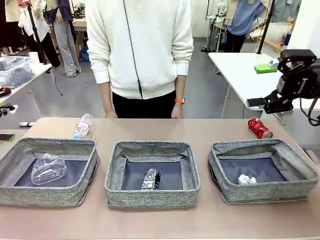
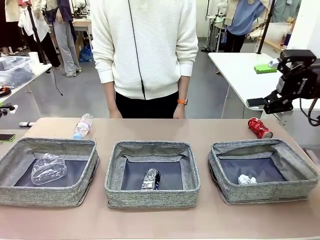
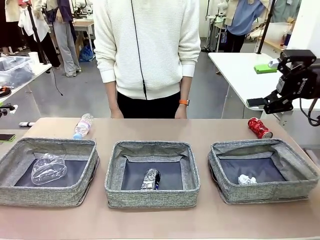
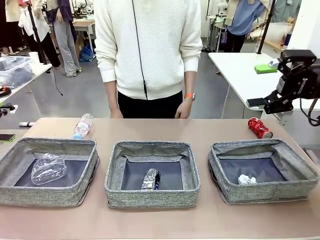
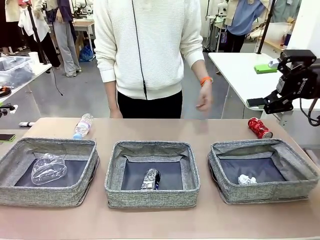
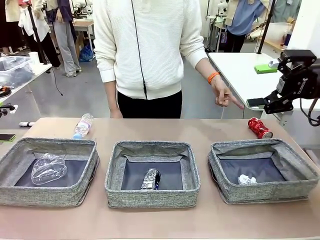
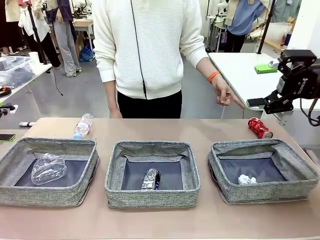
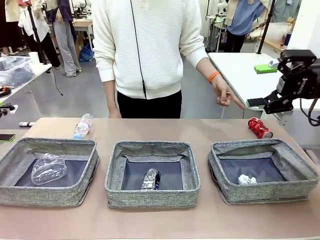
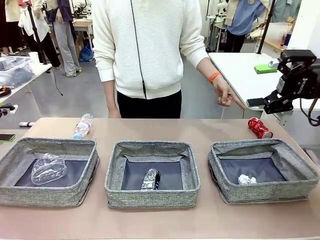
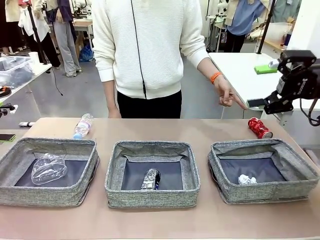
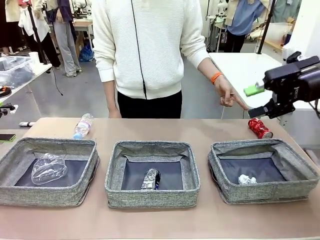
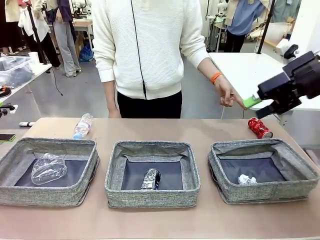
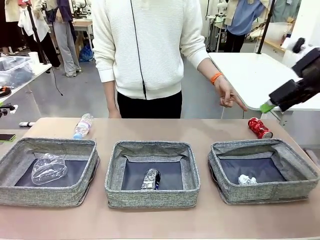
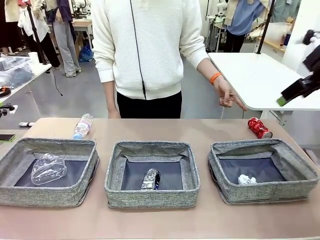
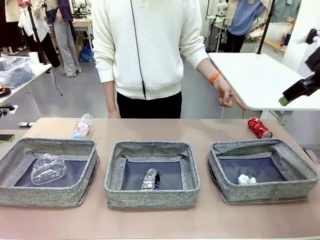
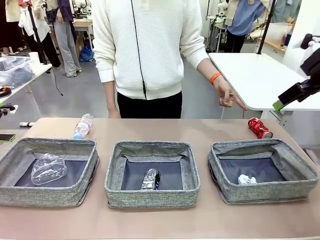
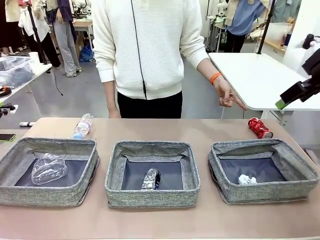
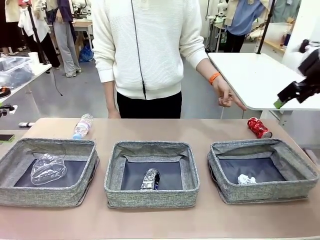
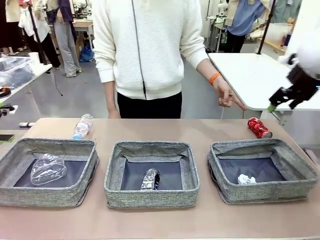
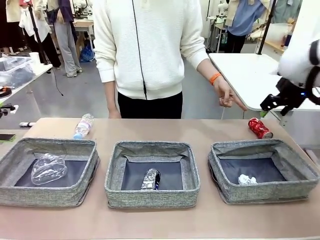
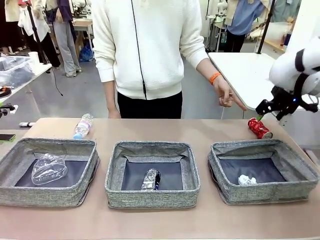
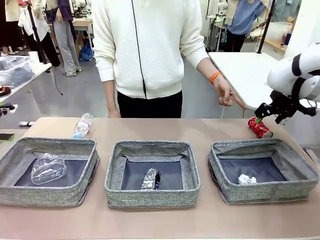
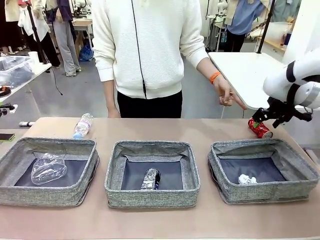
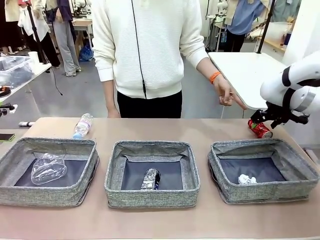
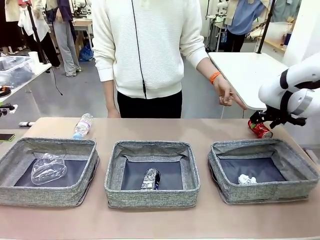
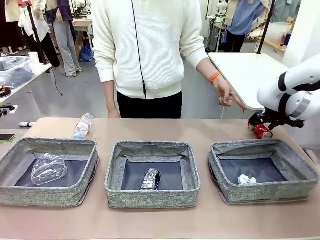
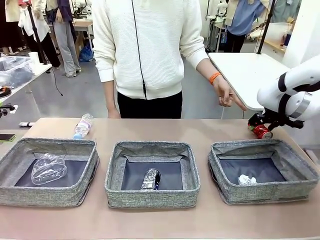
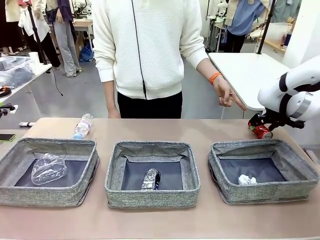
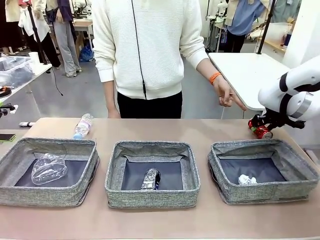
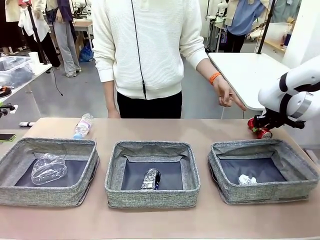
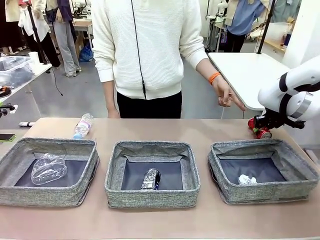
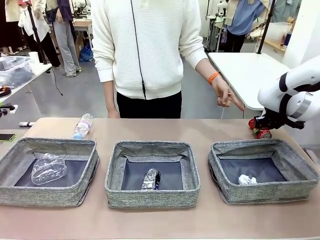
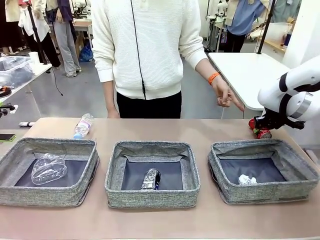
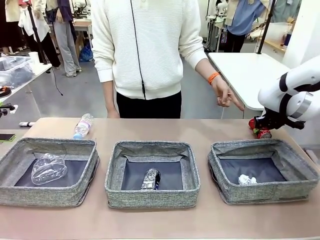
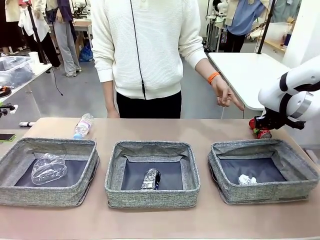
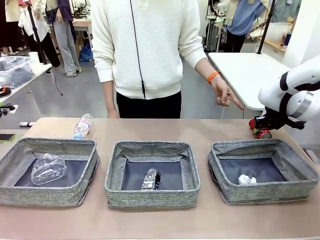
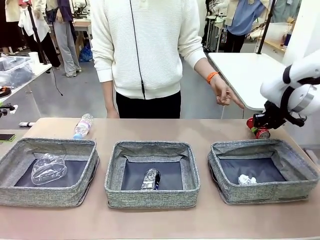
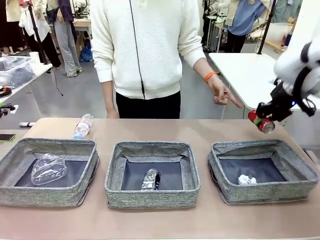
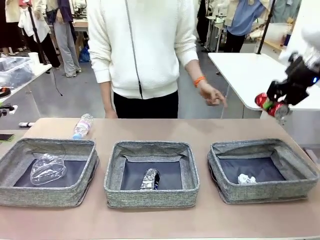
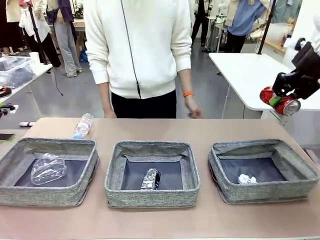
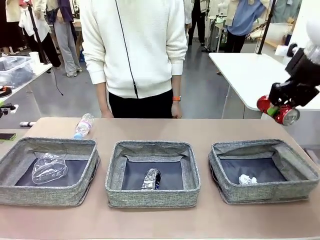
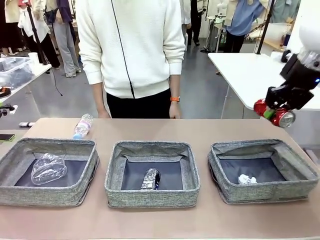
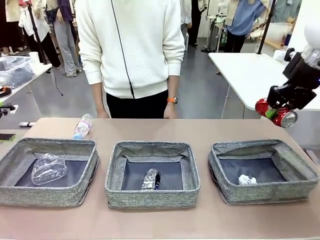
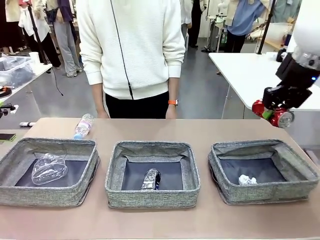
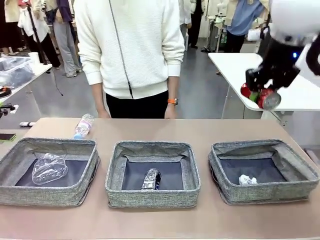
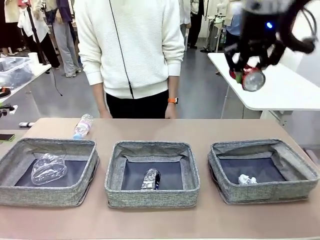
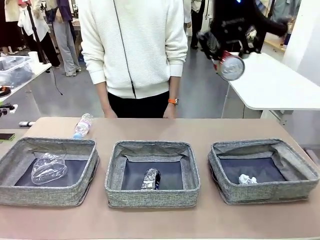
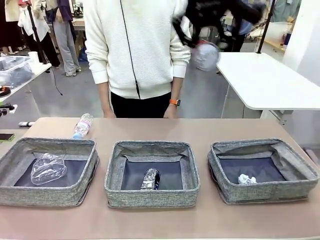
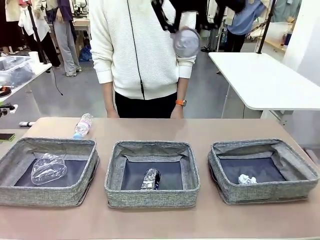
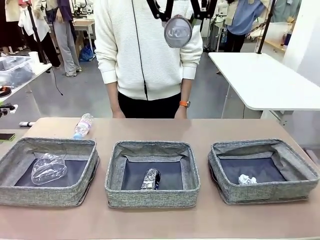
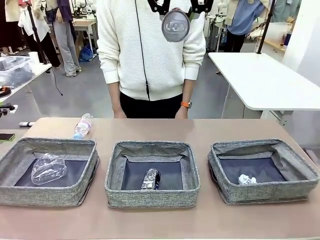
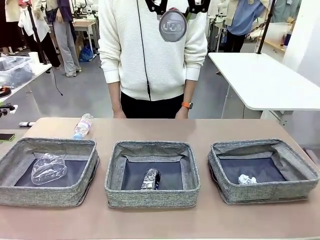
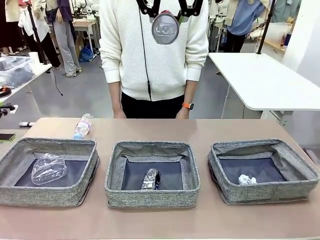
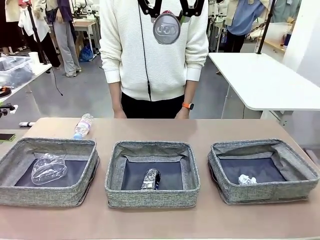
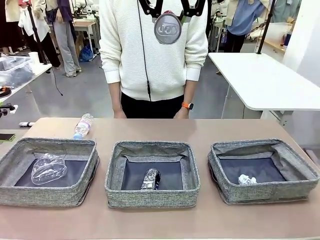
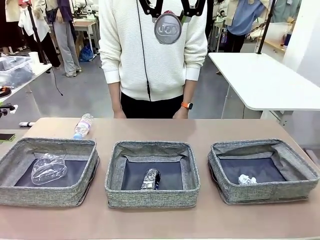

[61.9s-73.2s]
Task: Sort the waste into the appropriate baskets.
Robot: Pick up the waste item pointed out by the person.
Person: Points to one piece of trash on the table.

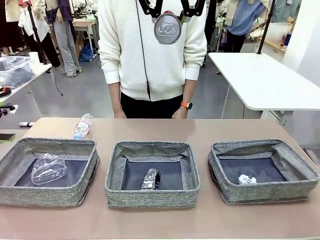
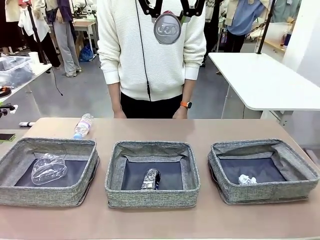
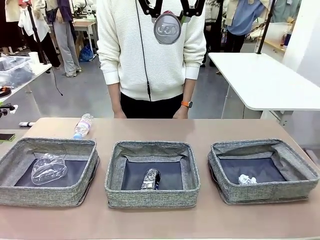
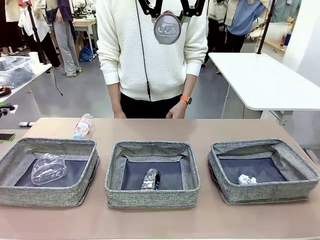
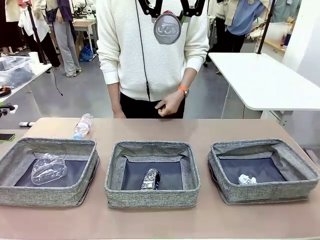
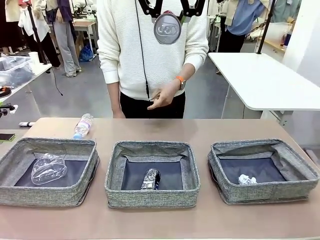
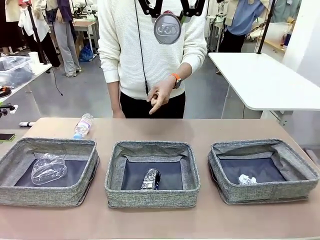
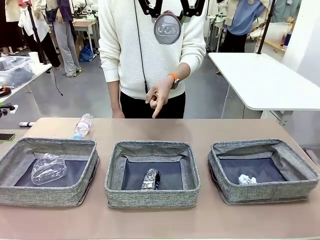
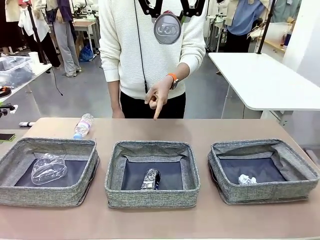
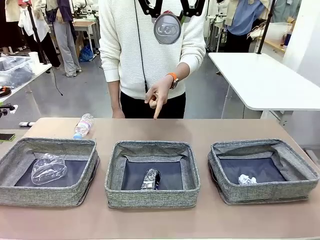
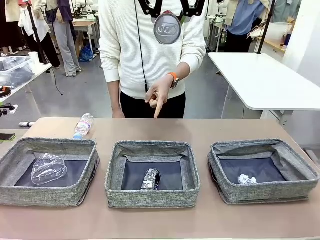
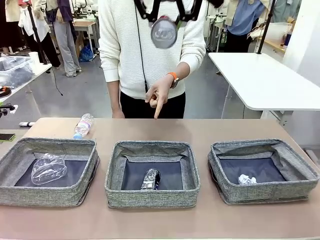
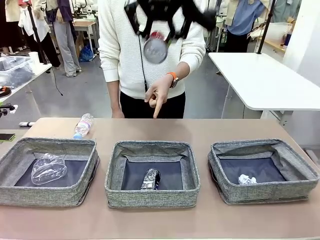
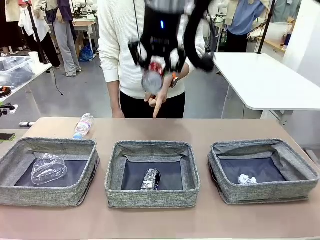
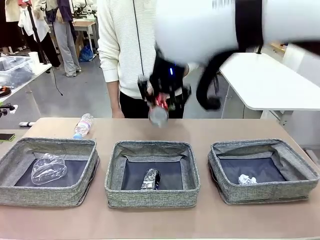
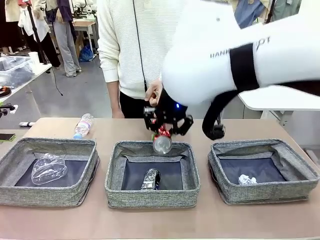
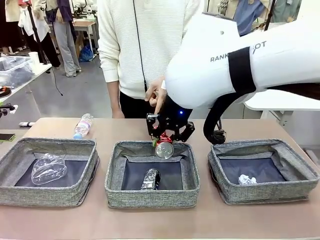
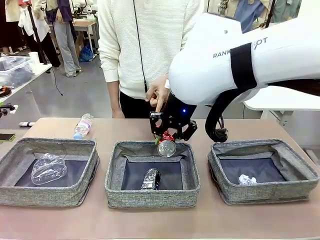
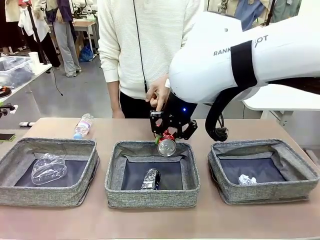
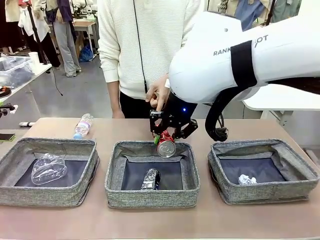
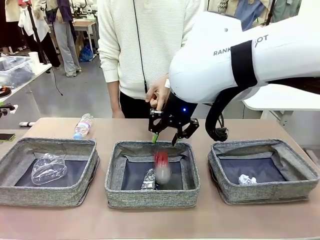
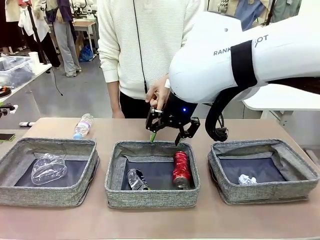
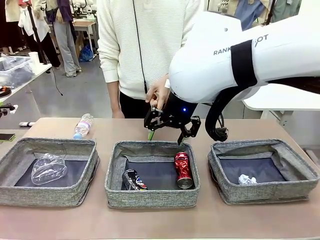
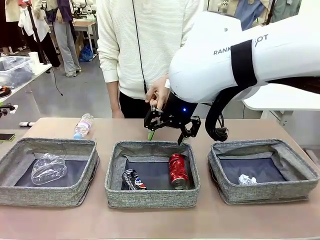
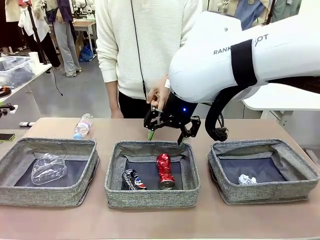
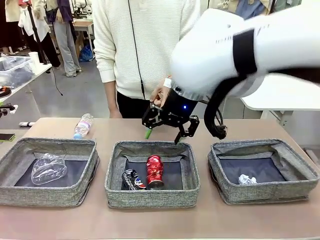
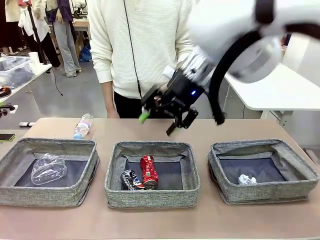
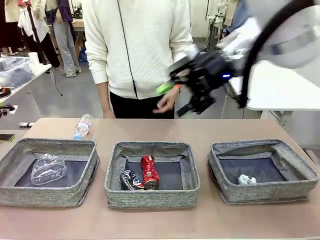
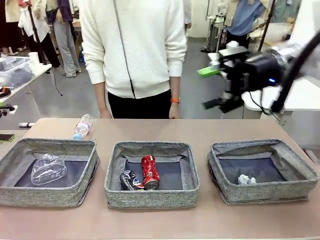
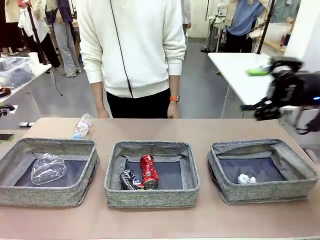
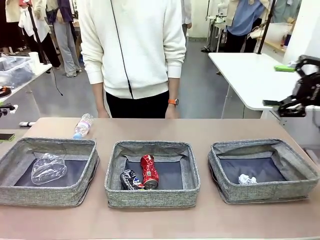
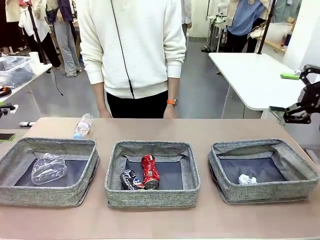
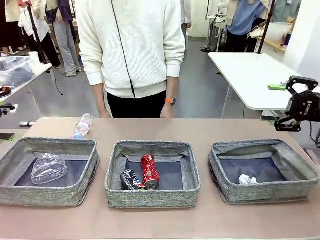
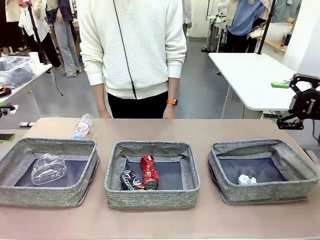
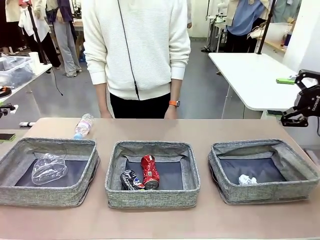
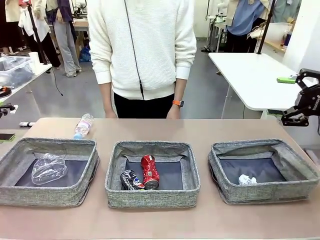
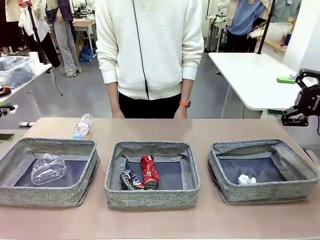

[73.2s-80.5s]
Robot: Place the picked waste into the Fabric basket indicated by the person.
Person: Instructs the robot to place the picked-up trash into the appropriate organizing basket.
